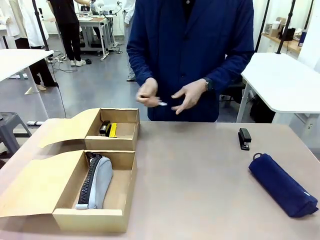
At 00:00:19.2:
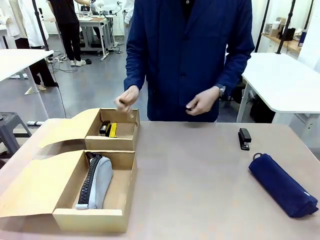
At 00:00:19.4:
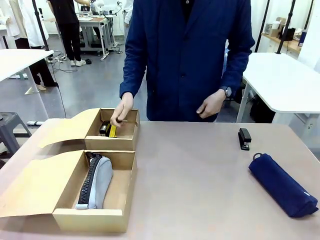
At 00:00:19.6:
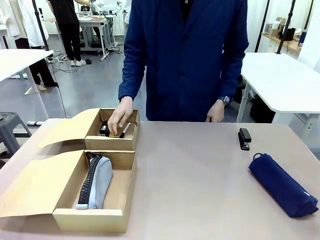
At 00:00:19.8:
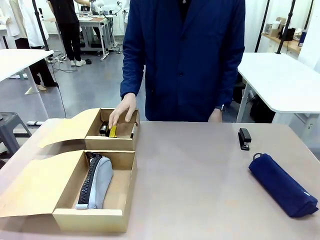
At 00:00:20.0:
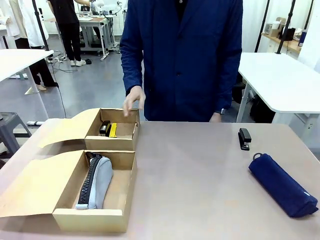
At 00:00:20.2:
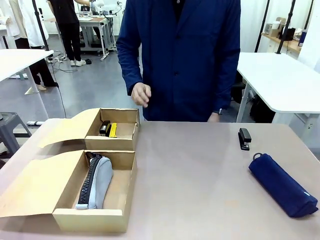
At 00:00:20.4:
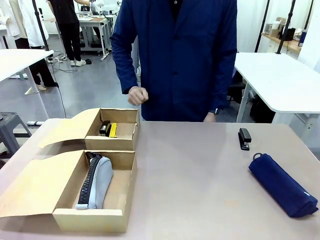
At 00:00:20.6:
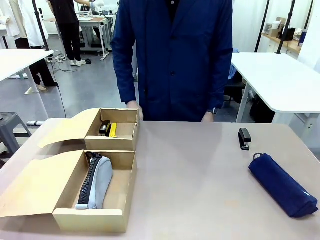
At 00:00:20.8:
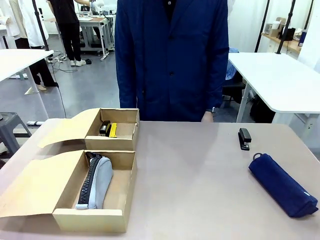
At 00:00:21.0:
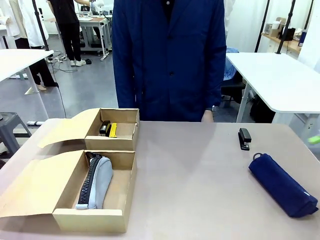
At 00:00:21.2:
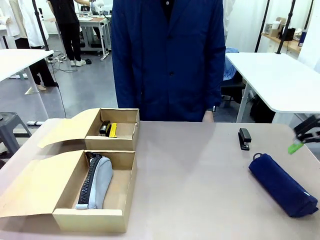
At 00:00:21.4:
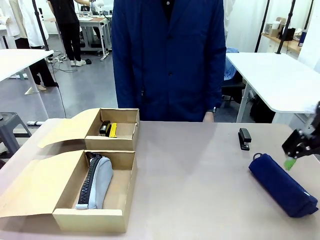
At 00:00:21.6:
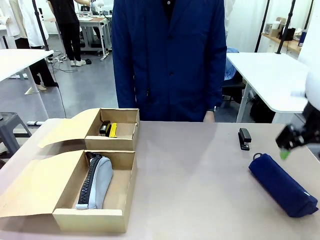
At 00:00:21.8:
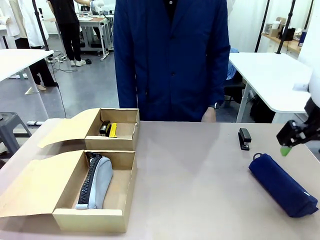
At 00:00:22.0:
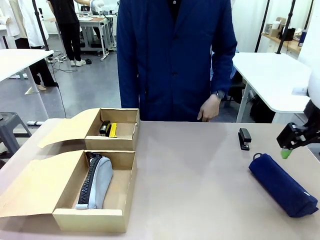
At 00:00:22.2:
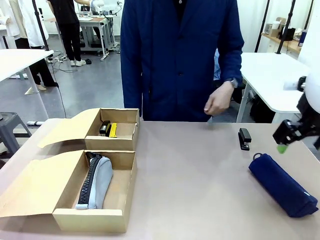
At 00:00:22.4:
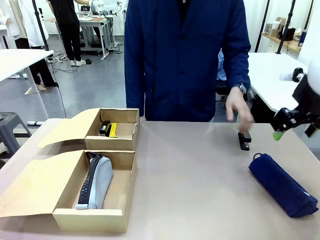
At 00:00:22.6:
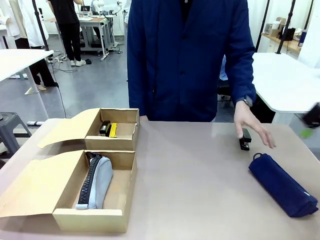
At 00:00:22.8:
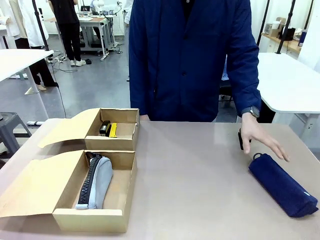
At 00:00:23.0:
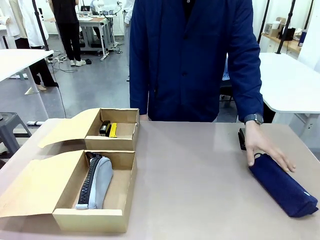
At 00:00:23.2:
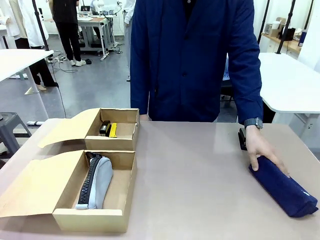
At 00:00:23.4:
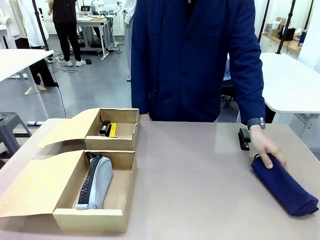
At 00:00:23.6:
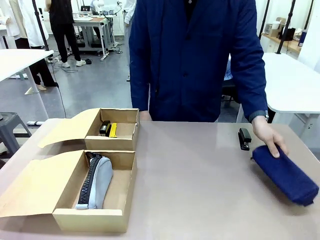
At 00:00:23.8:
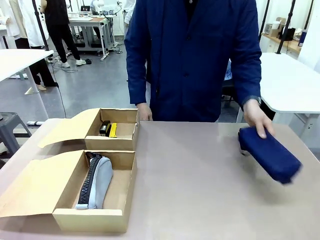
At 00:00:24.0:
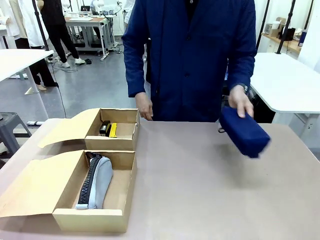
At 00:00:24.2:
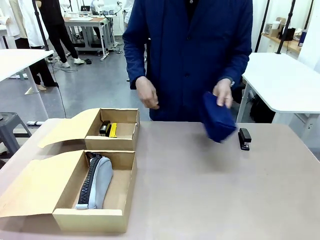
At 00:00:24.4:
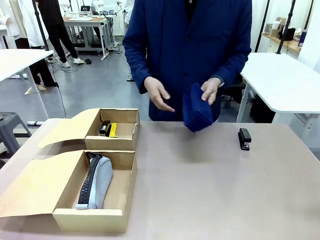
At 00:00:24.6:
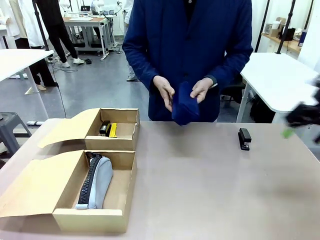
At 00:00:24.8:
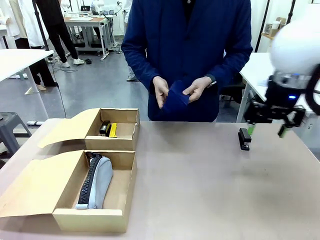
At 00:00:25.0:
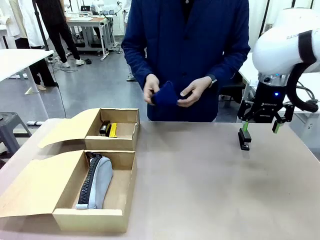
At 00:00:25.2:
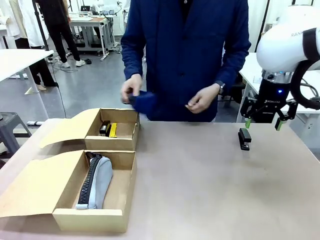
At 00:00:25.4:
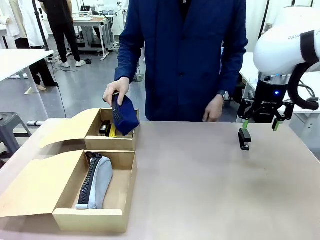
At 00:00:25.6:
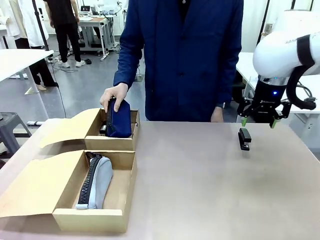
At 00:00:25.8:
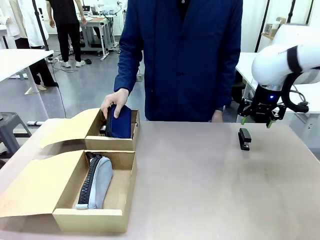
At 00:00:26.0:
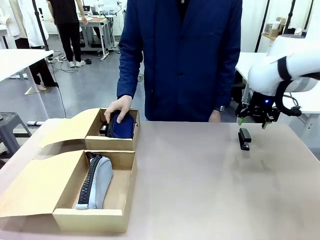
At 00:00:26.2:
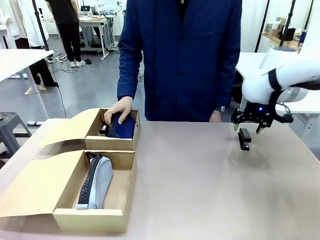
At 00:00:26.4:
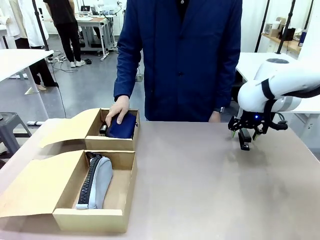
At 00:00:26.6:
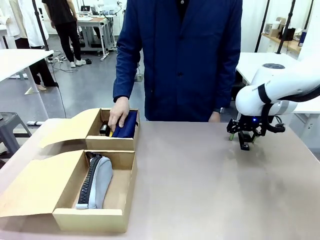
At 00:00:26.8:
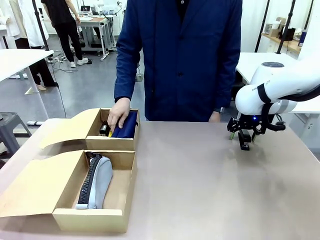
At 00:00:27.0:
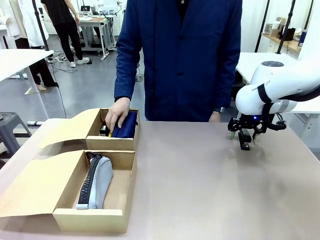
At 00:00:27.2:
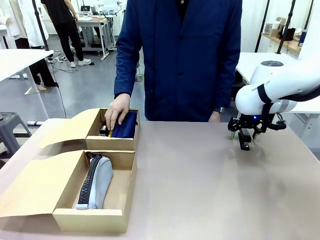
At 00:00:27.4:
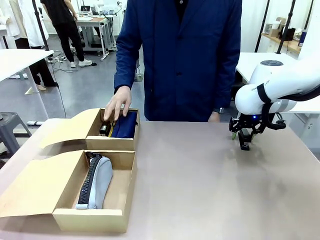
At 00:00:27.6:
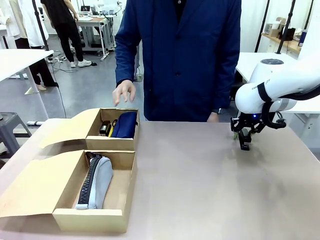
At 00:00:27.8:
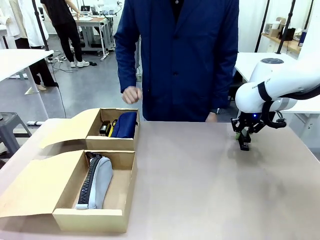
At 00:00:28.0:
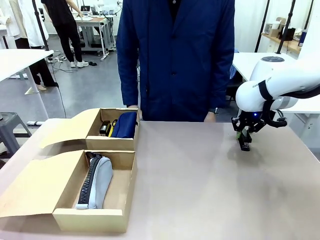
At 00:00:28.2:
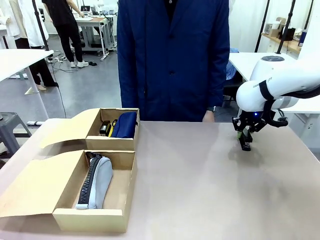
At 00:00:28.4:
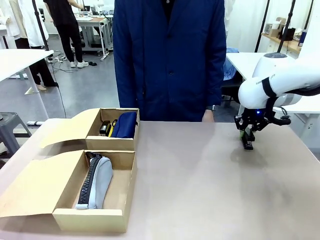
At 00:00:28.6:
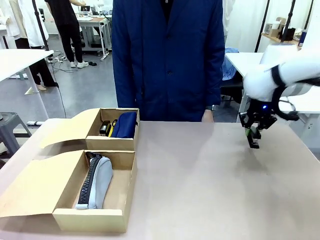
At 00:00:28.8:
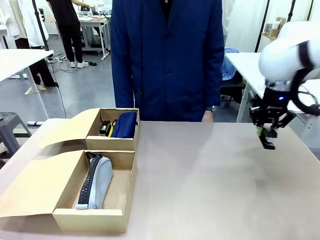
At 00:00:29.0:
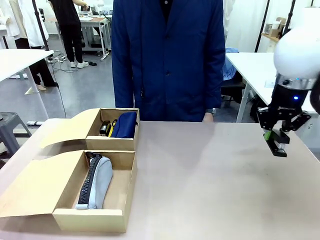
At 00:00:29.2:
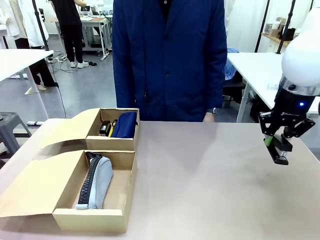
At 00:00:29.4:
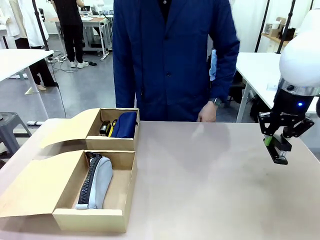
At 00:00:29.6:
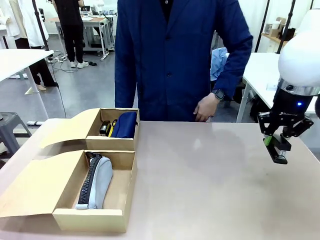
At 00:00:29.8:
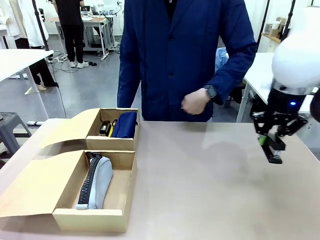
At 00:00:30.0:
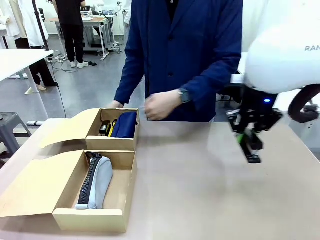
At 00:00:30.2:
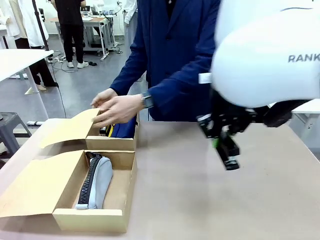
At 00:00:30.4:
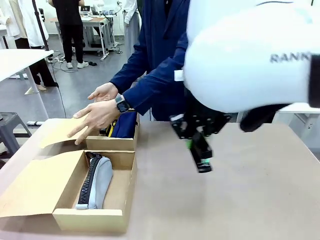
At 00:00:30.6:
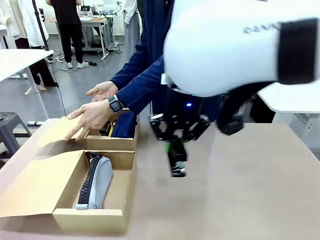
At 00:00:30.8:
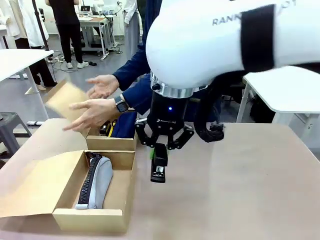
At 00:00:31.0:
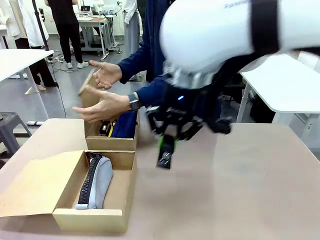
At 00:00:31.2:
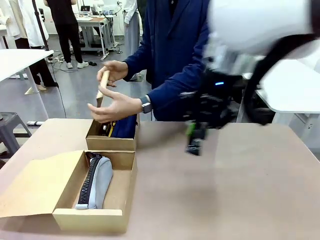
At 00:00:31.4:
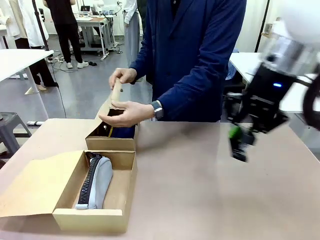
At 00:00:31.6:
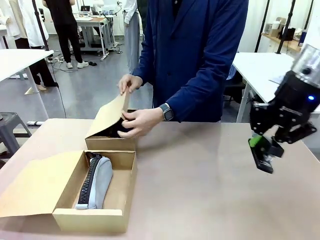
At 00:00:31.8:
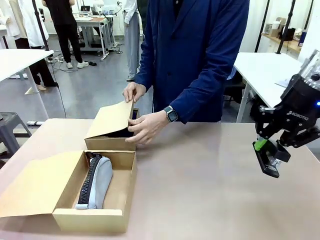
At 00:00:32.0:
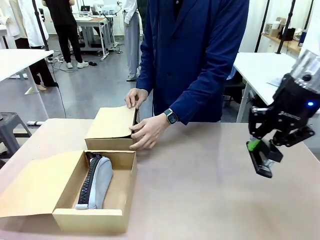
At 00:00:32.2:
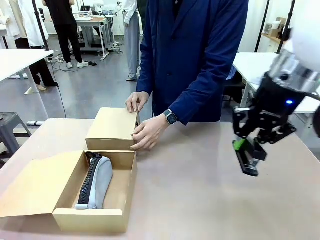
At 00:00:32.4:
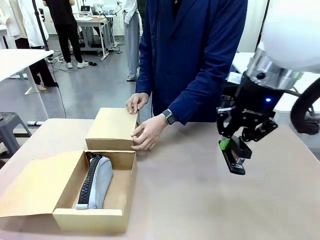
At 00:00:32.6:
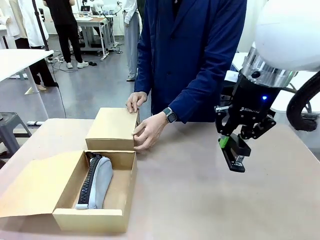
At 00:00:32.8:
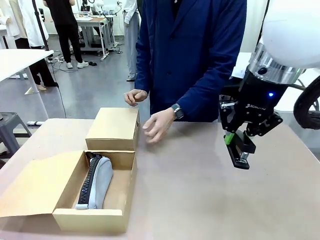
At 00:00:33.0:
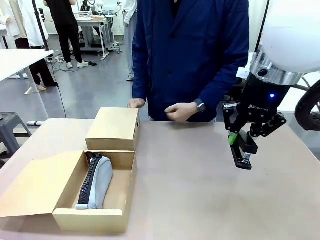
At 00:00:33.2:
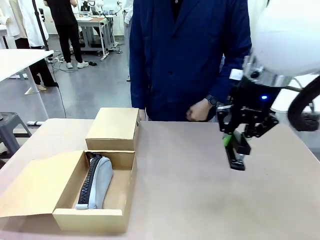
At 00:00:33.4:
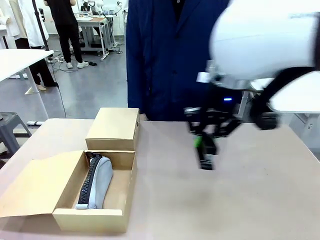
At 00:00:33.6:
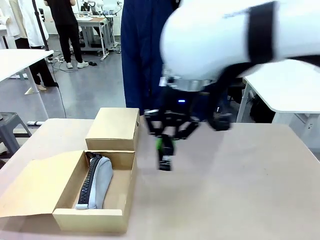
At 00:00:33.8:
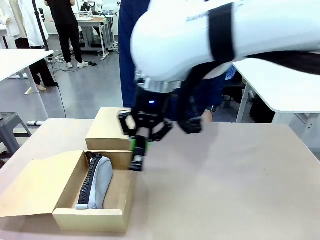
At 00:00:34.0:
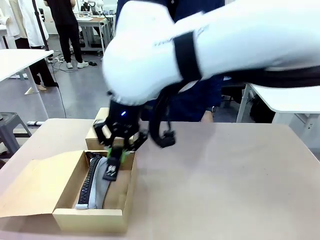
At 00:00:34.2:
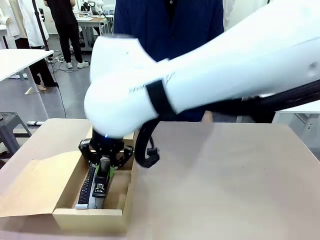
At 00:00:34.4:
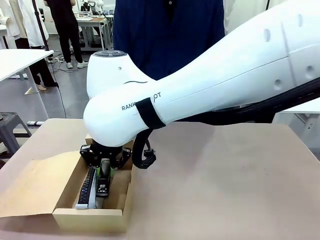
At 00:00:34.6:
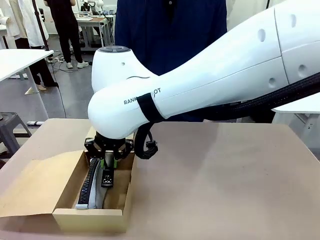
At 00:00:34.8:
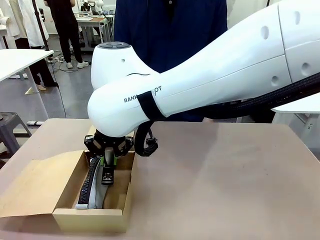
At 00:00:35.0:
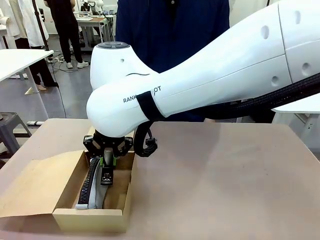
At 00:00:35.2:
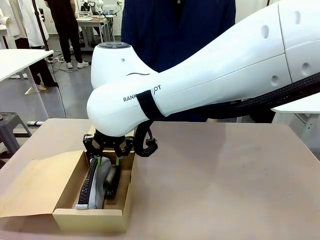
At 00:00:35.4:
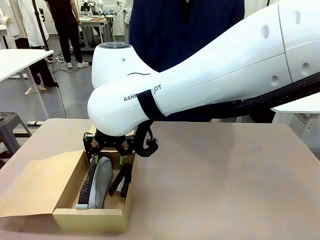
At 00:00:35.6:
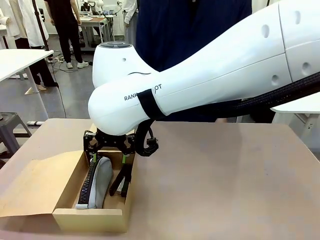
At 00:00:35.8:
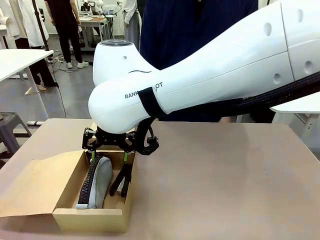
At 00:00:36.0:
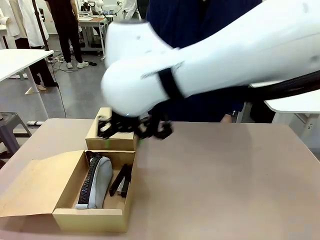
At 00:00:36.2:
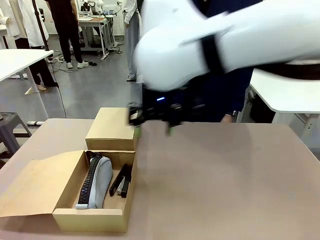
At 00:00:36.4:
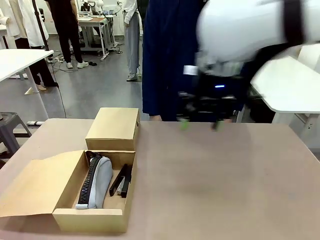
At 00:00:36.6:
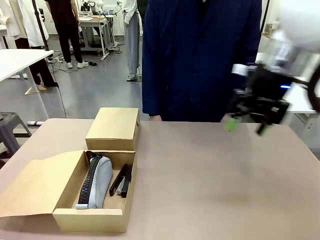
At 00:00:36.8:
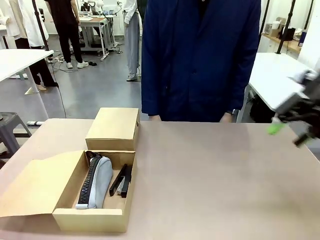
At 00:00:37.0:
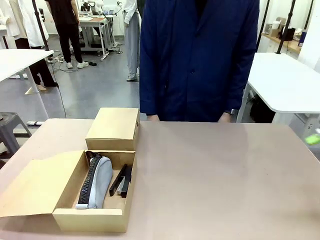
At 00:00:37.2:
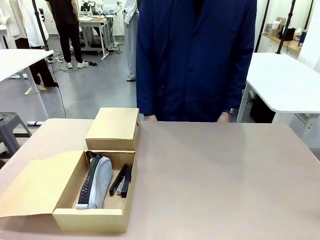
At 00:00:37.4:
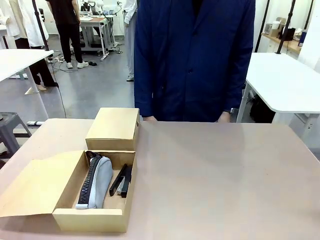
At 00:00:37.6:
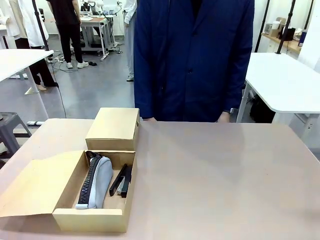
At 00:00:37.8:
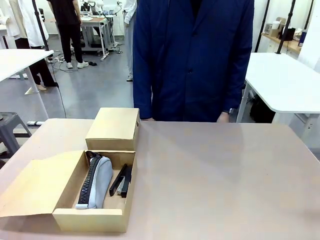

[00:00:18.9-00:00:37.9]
Task: Place items inside the box.
Robot: Pick up a Pencil pouch or Stapler and place it inside the Mailer Box closest to the robot.
